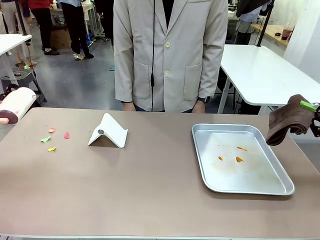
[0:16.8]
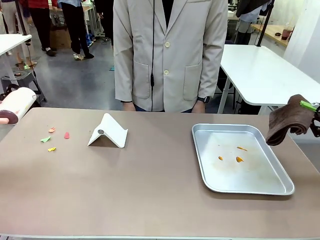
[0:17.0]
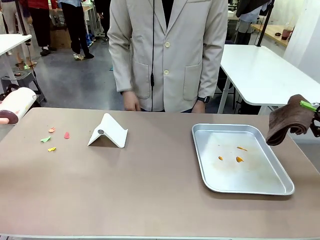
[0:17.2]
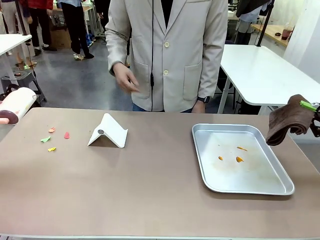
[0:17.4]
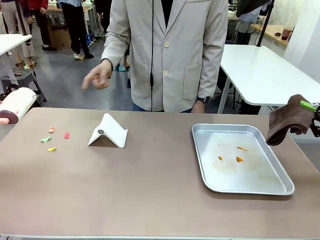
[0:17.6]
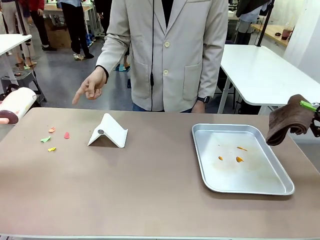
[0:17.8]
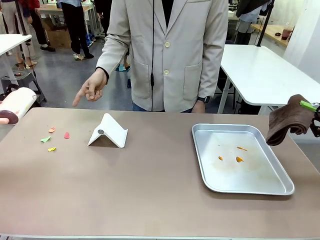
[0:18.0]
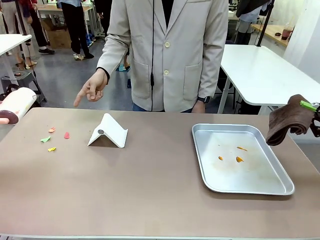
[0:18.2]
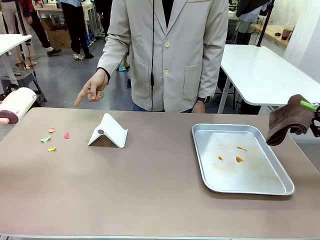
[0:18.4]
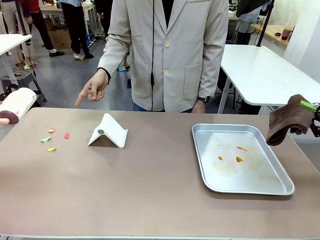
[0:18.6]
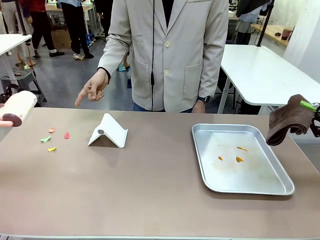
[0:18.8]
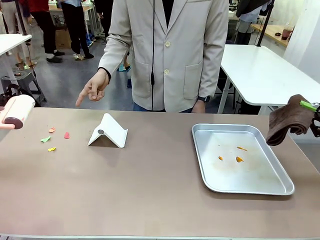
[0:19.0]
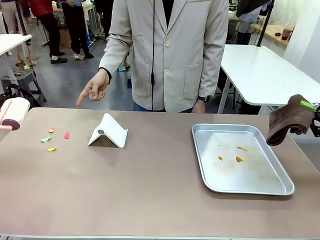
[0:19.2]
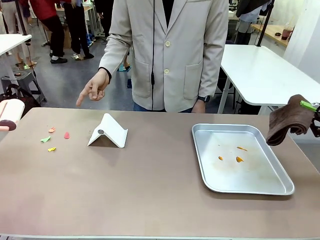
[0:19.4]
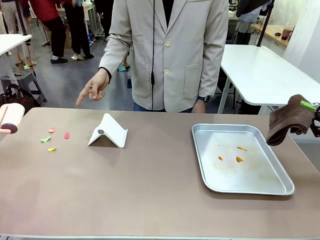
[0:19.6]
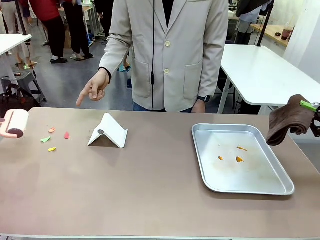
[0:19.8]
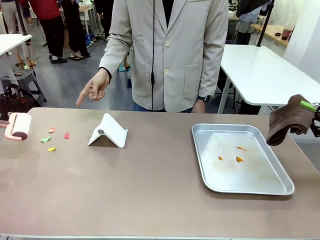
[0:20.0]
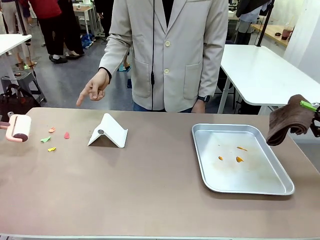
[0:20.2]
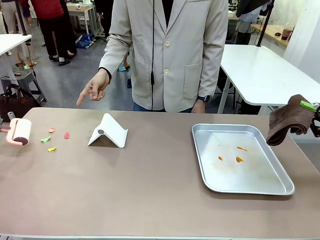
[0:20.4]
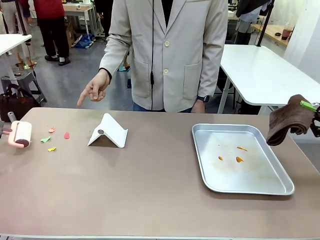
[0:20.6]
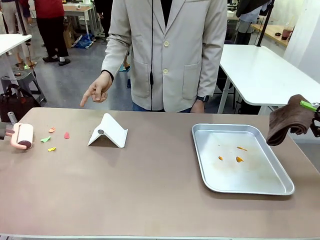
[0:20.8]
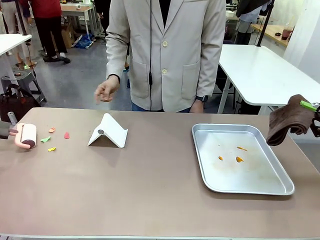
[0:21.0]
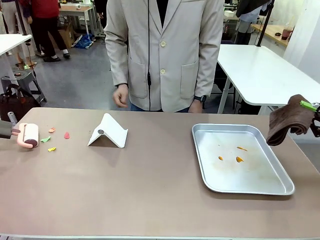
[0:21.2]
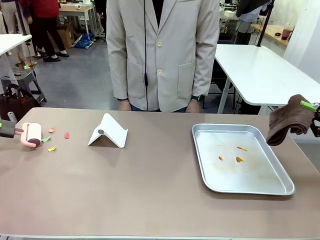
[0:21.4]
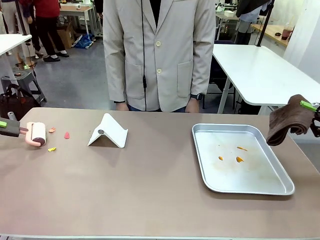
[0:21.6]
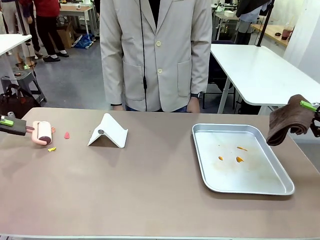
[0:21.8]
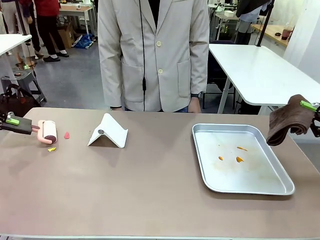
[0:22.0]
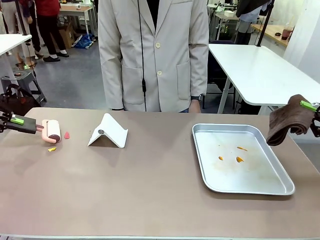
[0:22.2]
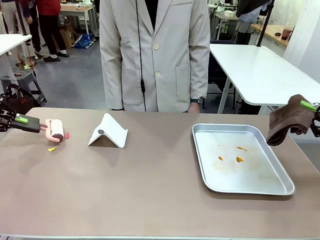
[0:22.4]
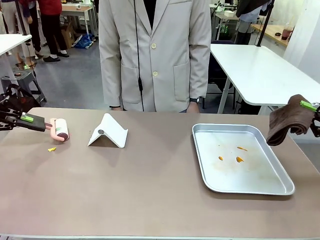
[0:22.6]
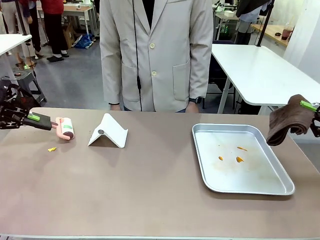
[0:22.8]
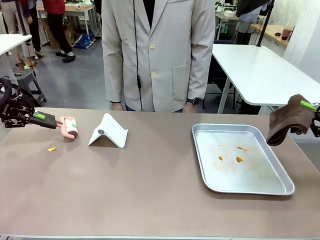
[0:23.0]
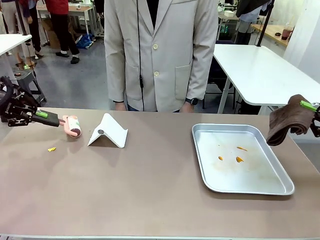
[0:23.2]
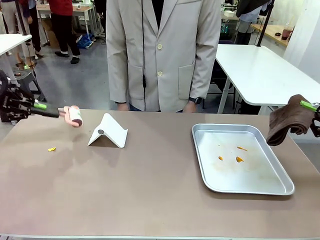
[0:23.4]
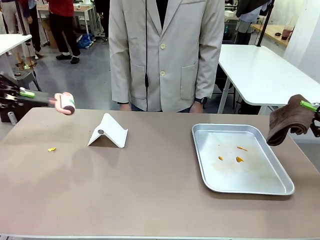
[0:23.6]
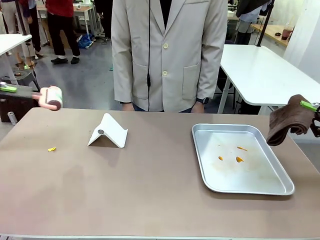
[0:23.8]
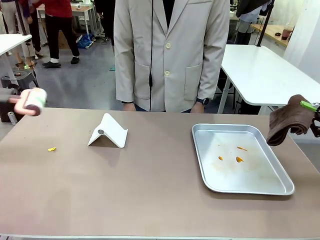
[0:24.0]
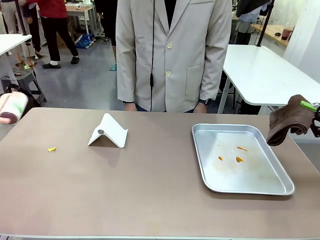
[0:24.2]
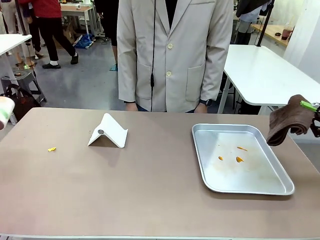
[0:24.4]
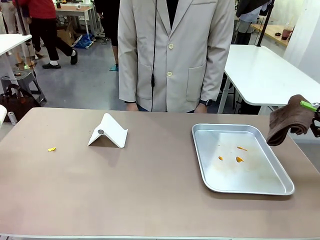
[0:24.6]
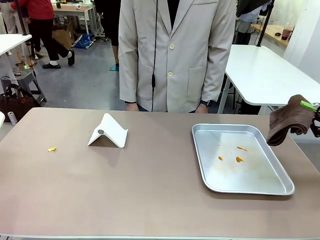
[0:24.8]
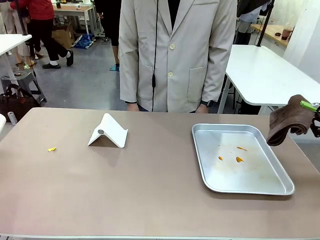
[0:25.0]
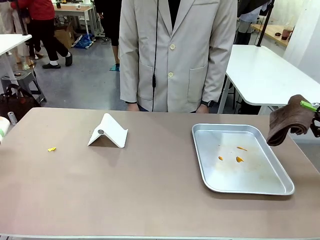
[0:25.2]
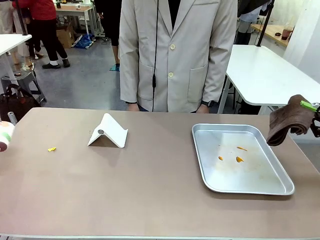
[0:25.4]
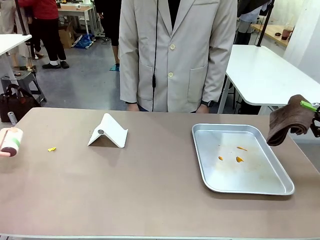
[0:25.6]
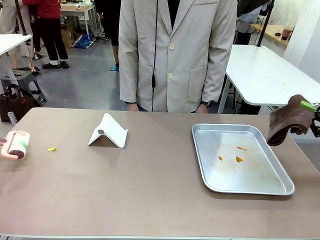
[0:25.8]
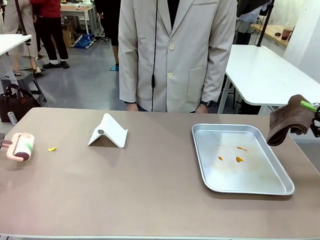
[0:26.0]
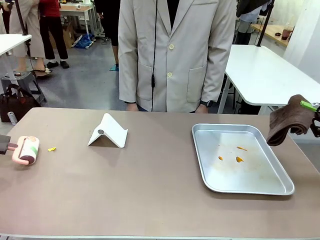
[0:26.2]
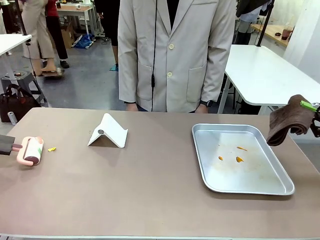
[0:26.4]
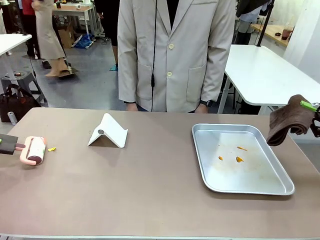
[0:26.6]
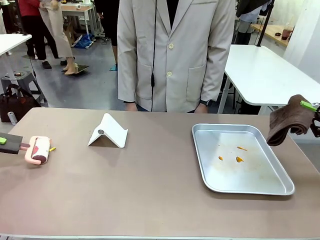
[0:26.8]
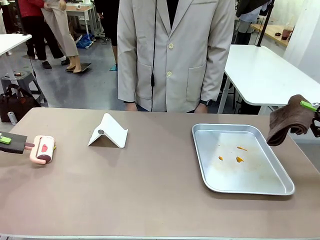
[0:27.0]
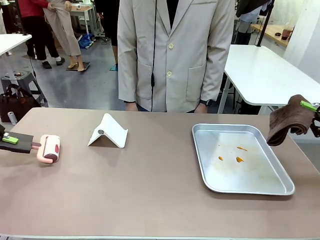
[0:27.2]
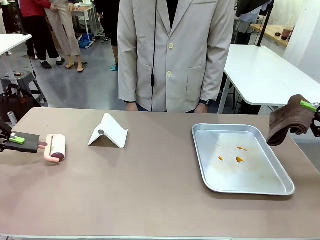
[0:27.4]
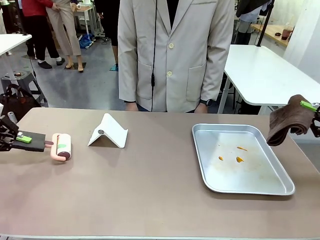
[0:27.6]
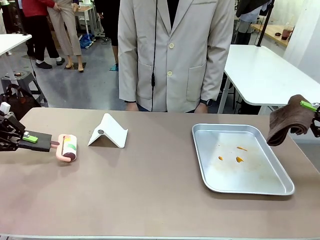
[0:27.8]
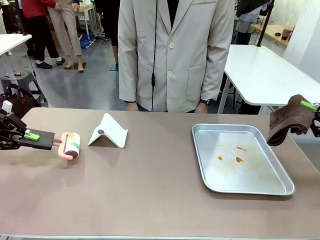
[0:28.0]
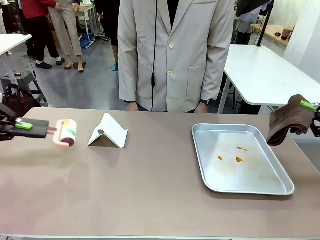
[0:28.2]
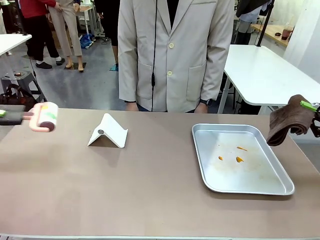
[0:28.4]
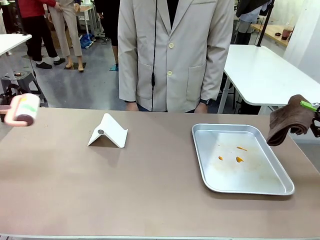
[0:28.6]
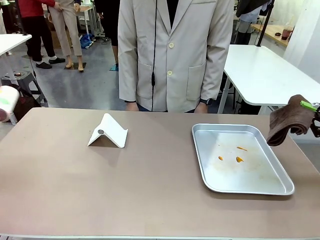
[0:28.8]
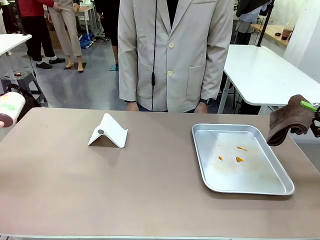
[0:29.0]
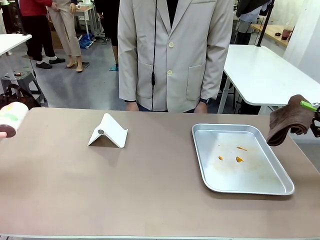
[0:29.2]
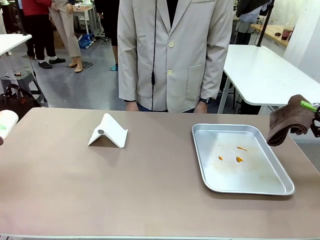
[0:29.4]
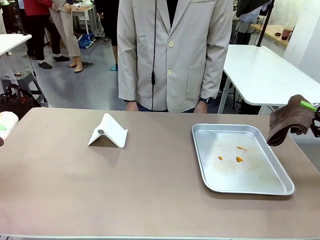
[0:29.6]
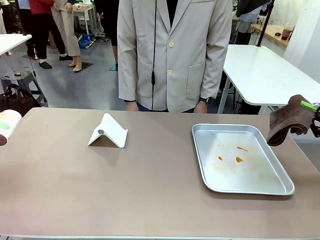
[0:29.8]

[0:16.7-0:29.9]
Task: Clean the surface of the table.
Robot: If a person points to the right, clean the right side of the table with your right hand, and if they point to the left, clean the left side with your left hand.

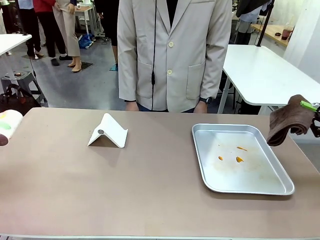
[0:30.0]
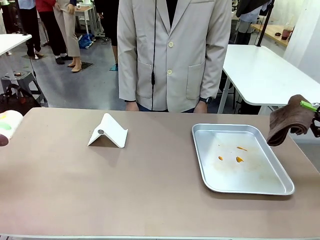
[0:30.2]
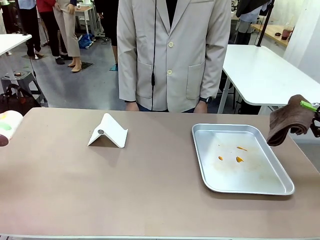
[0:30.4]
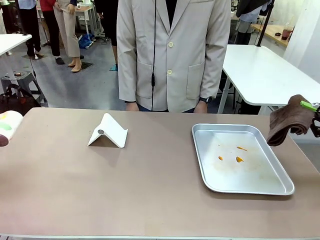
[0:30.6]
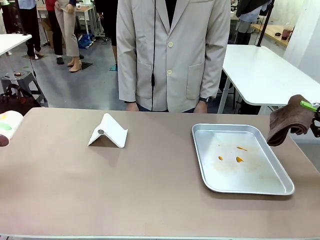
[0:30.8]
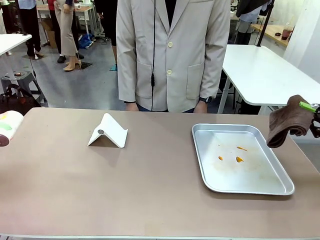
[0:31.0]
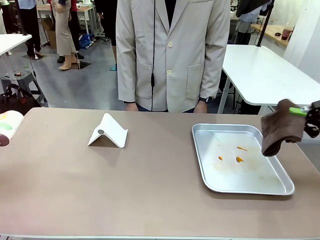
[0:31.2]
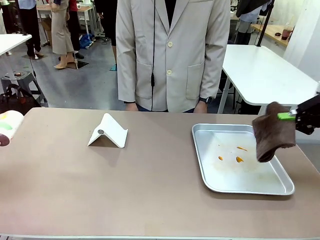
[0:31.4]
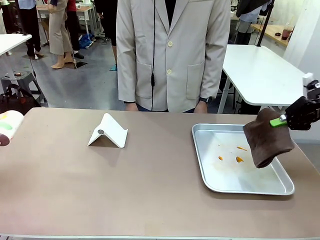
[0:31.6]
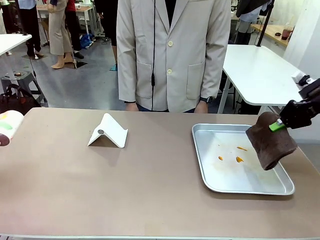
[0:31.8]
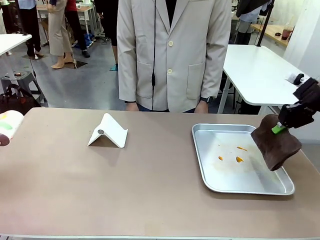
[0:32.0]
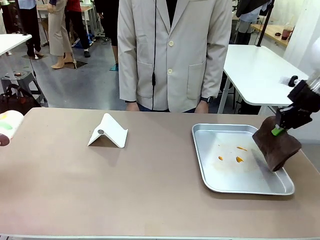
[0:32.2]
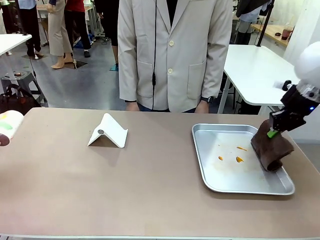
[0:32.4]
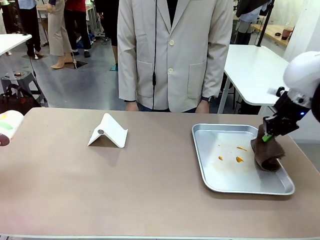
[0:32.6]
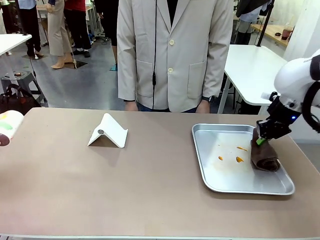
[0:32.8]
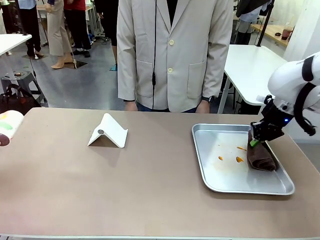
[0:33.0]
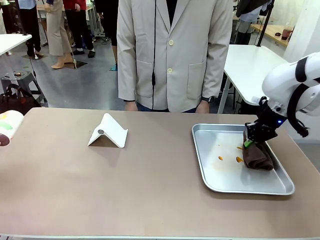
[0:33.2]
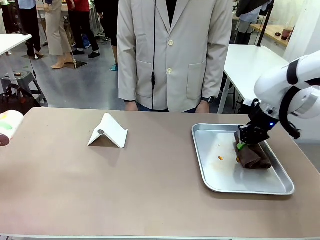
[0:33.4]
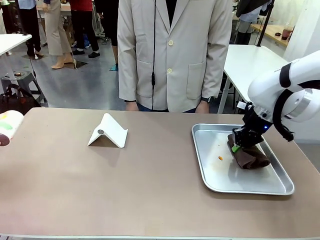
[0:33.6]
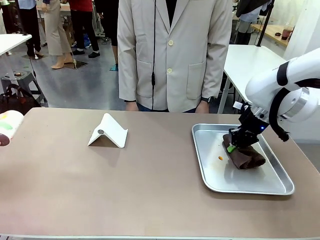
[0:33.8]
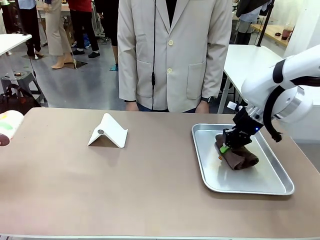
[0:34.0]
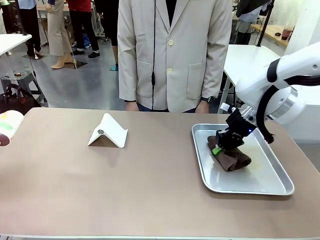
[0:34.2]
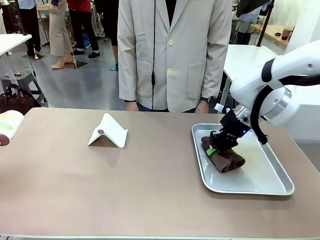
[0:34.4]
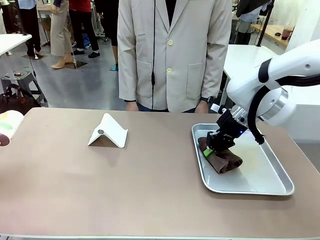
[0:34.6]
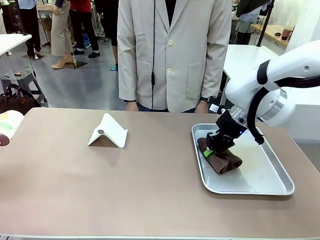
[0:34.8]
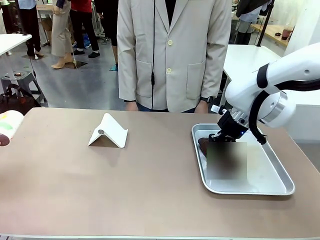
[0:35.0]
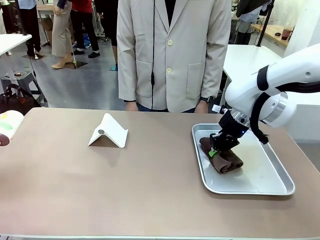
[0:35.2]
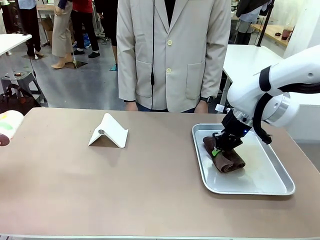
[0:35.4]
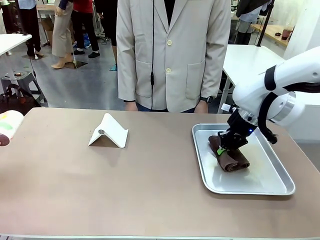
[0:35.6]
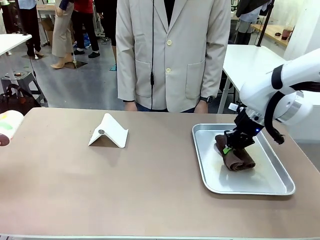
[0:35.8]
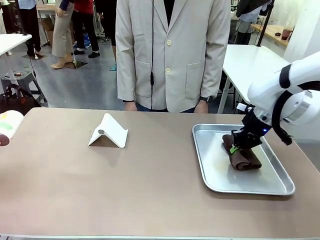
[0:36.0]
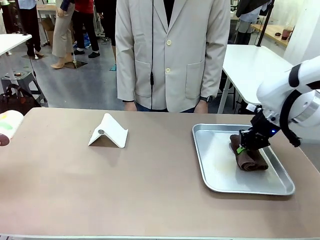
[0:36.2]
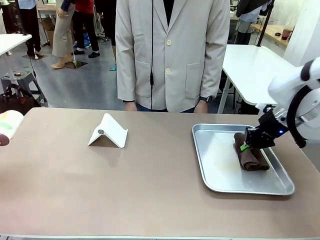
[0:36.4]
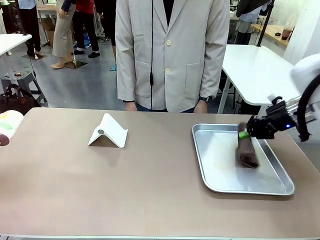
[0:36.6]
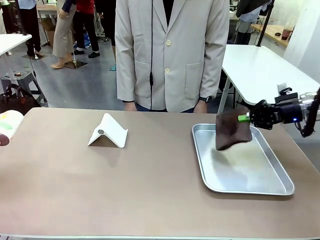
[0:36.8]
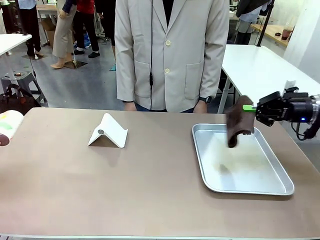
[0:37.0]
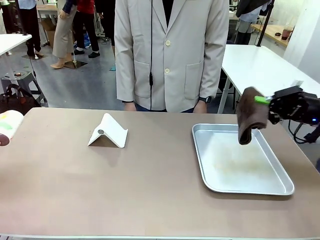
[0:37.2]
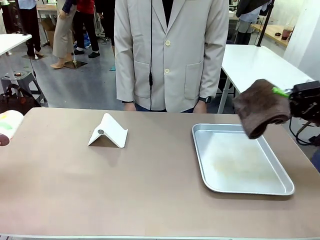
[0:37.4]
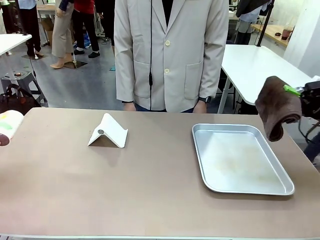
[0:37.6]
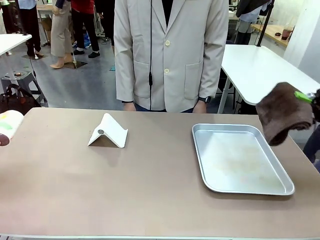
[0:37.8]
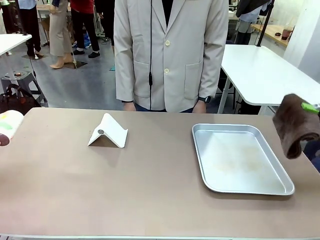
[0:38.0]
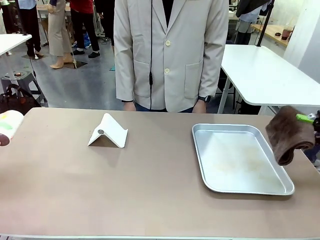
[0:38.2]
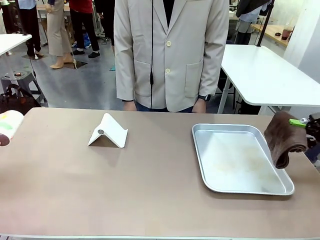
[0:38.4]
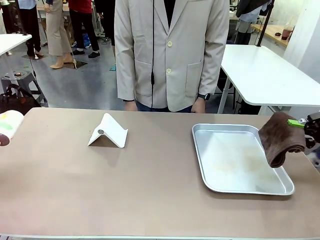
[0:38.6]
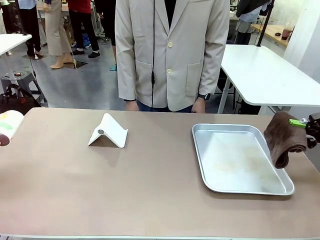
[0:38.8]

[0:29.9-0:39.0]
Robot: Clean the area not pointed to by the person.
